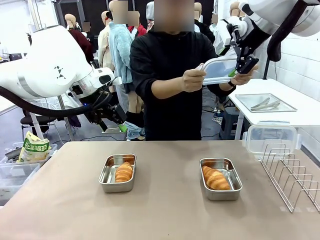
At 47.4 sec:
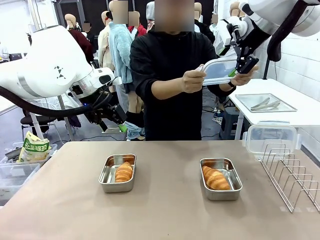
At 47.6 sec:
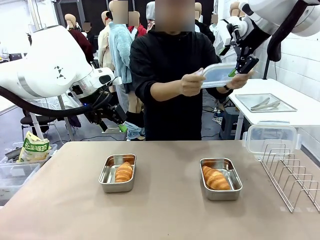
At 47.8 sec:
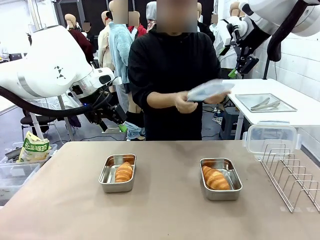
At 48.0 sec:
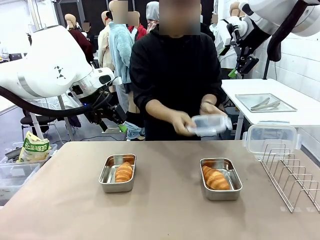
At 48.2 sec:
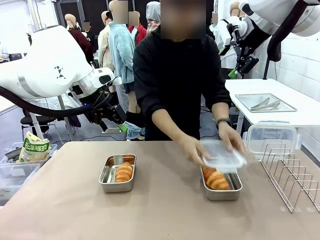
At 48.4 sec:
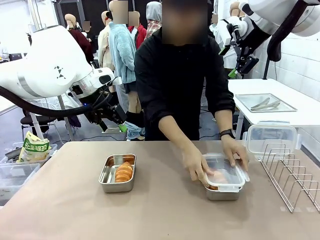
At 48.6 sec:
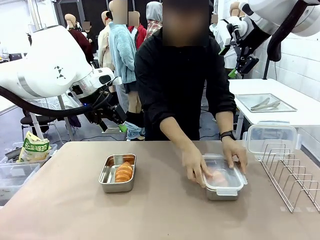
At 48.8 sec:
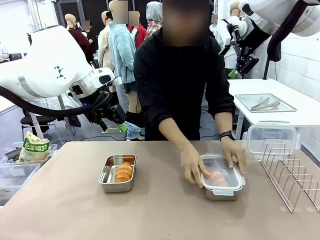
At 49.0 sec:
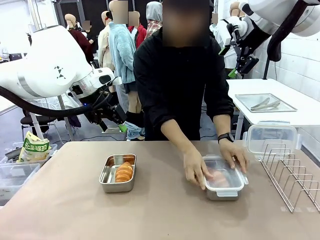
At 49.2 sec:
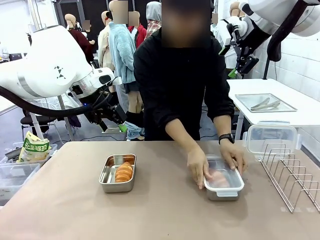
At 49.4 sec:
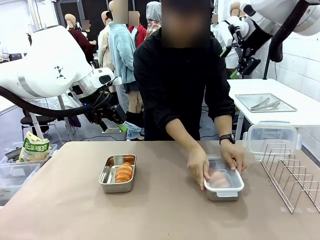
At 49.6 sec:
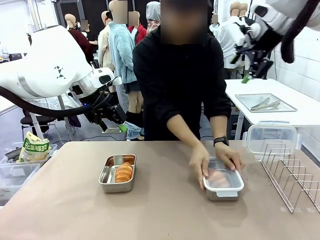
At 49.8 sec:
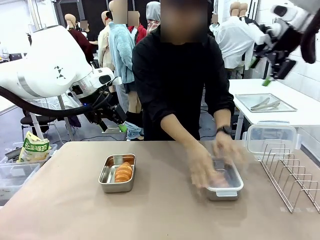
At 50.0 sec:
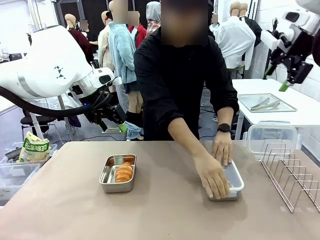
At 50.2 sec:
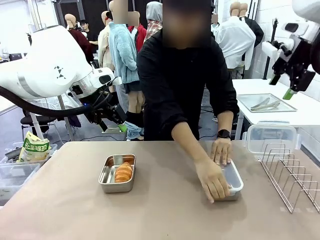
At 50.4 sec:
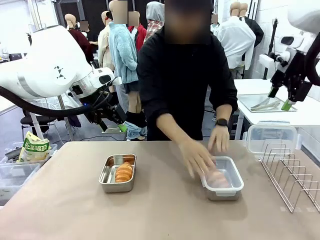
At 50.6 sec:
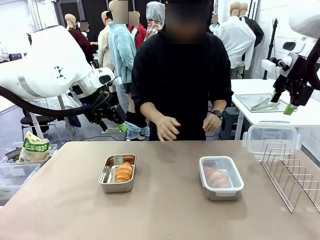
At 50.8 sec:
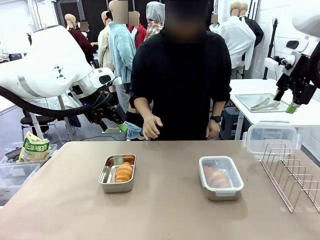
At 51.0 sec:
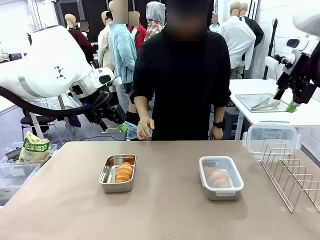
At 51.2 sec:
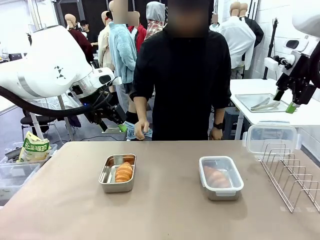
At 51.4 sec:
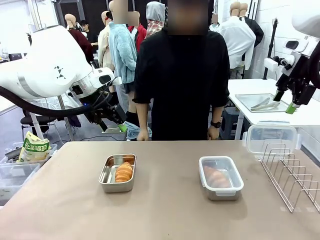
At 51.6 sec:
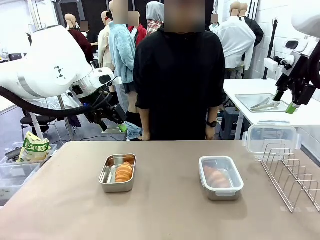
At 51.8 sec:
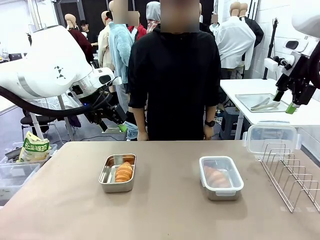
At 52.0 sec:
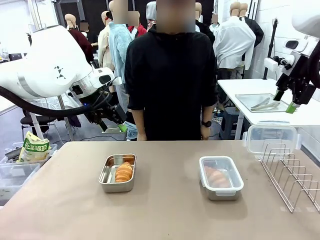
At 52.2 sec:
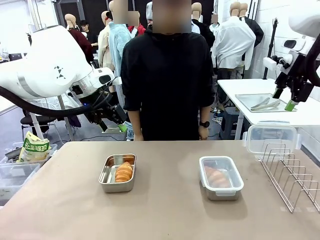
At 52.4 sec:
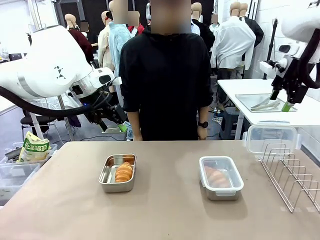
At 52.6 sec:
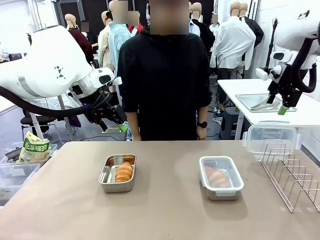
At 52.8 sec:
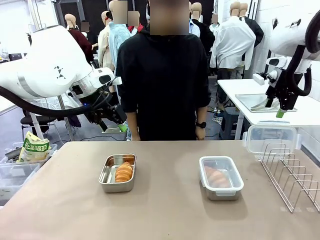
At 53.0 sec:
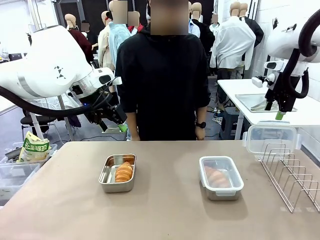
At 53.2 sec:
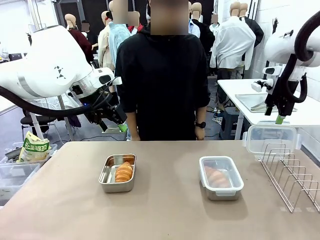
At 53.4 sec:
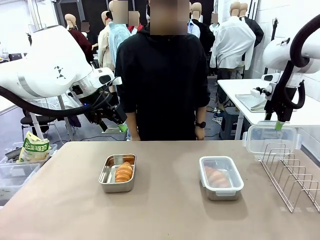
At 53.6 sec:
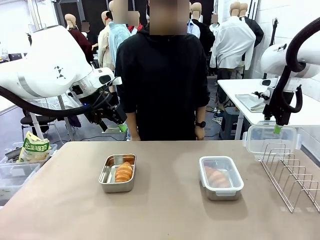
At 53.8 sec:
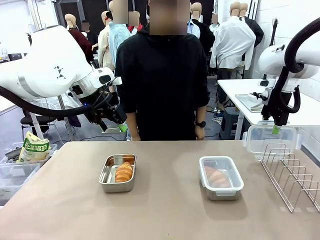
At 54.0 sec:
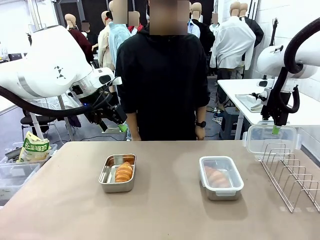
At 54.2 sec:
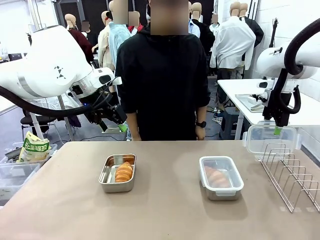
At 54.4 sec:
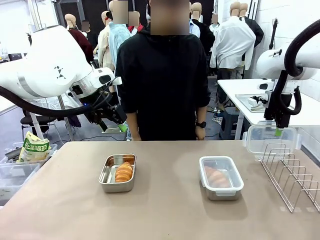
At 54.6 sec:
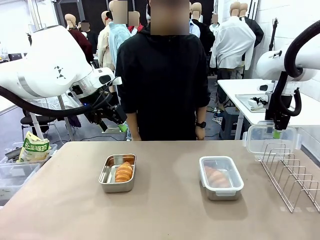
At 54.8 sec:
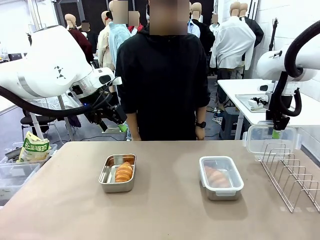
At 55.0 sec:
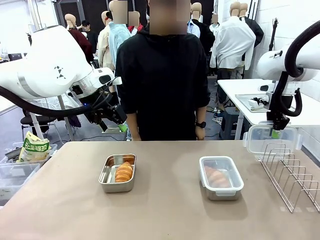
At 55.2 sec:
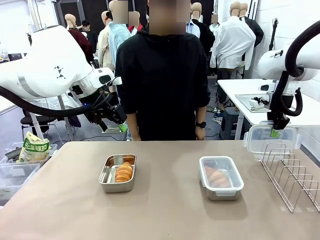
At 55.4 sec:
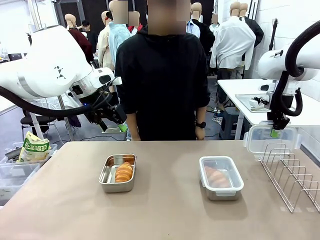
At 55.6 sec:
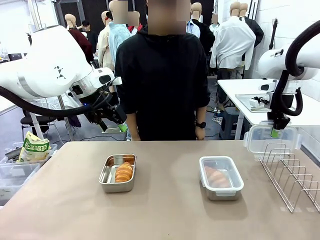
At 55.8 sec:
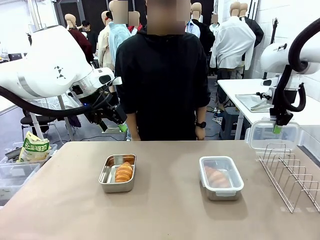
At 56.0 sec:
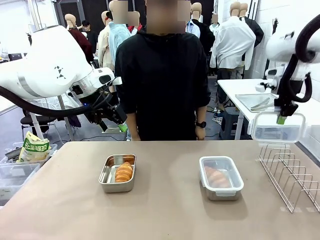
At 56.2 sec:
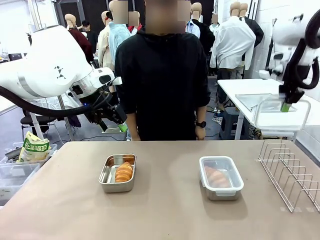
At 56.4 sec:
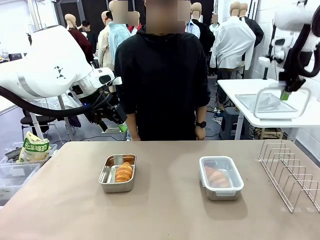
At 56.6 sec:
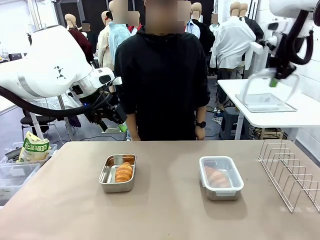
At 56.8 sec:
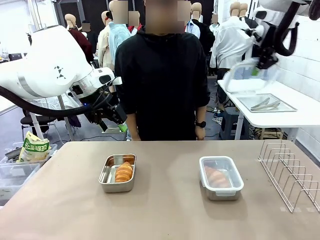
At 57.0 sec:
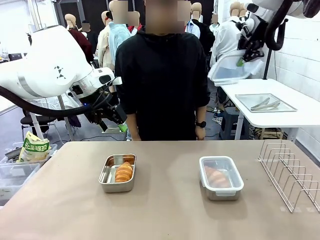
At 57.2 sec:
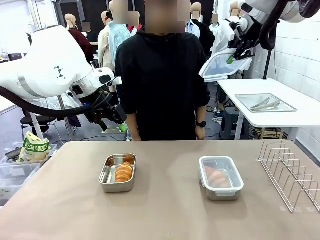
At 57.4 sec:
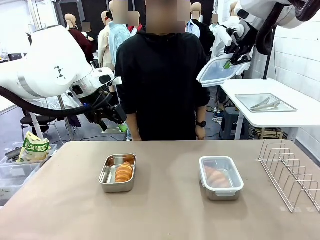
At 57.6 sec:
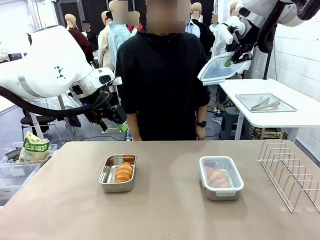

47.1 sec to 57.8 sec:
Task: Place the bread in airtight containers.
Robot: Pick up one Airtight Container lid and hand it to the human.
Person: Close Airtight Container with a handed Airtight Container lid. Grip Airtight Container lid that robot is handing.

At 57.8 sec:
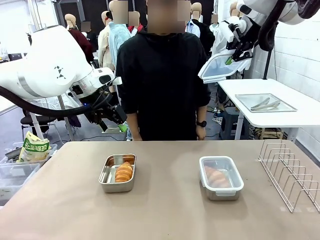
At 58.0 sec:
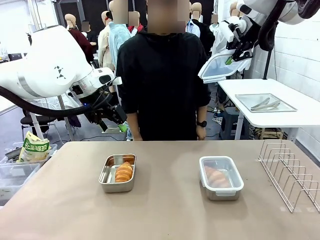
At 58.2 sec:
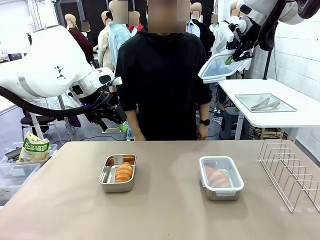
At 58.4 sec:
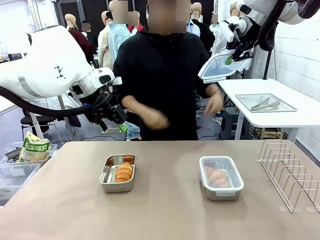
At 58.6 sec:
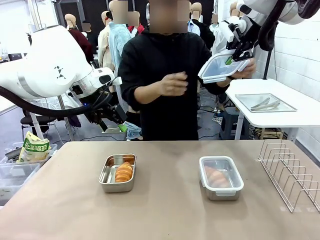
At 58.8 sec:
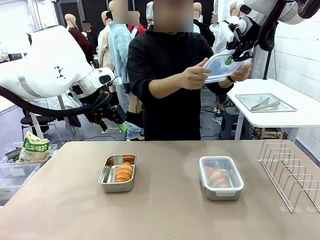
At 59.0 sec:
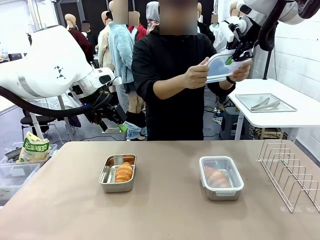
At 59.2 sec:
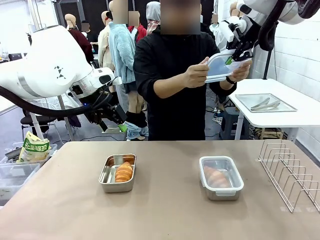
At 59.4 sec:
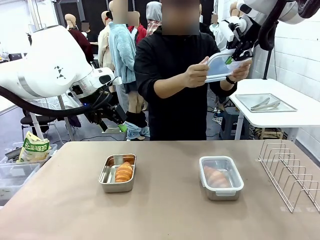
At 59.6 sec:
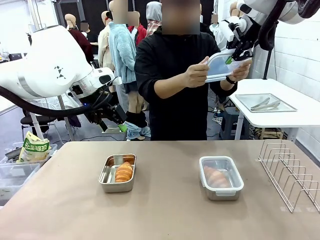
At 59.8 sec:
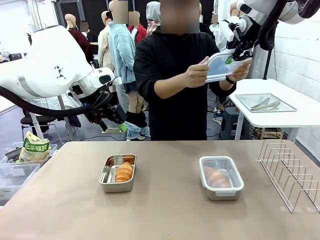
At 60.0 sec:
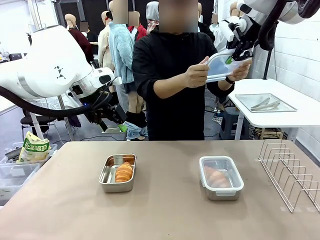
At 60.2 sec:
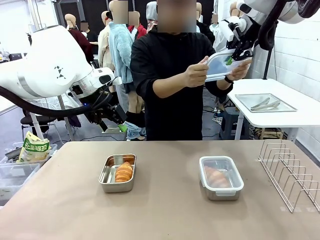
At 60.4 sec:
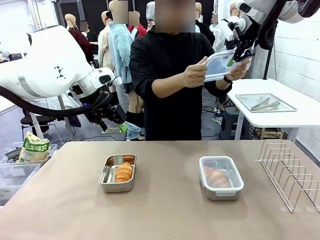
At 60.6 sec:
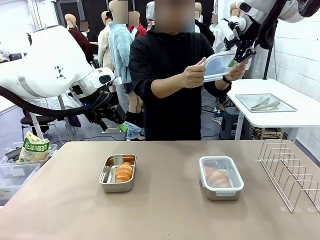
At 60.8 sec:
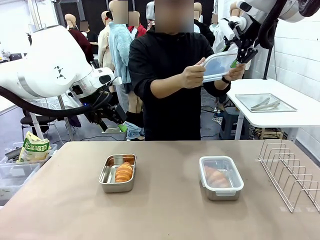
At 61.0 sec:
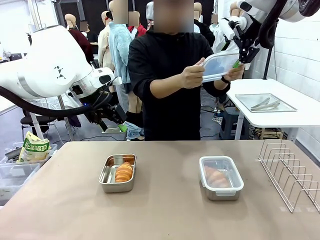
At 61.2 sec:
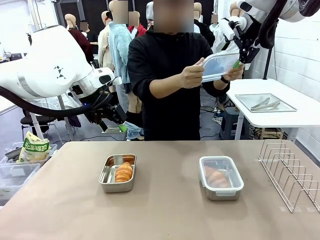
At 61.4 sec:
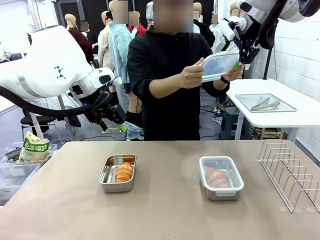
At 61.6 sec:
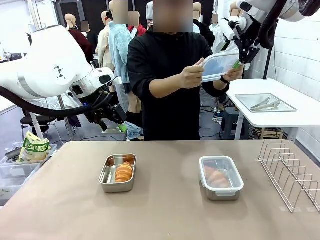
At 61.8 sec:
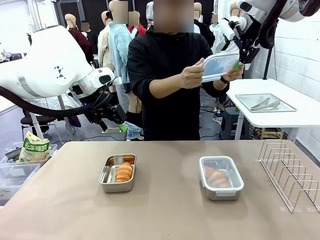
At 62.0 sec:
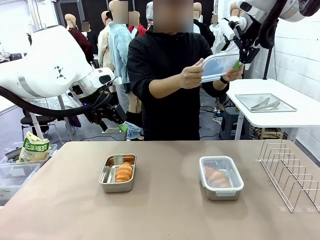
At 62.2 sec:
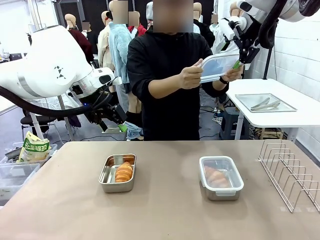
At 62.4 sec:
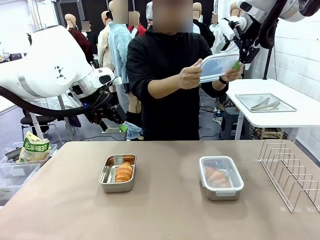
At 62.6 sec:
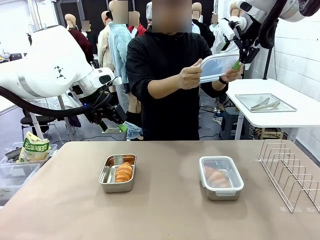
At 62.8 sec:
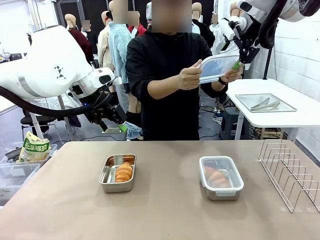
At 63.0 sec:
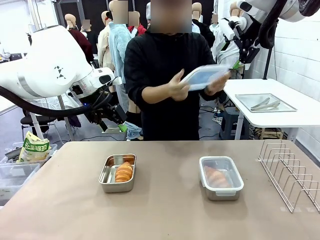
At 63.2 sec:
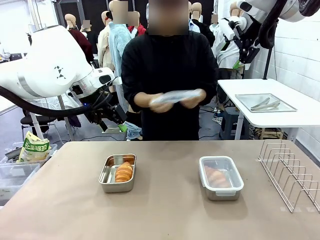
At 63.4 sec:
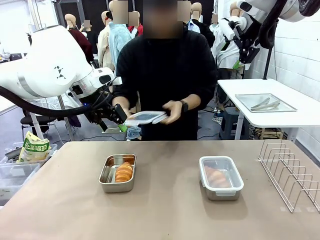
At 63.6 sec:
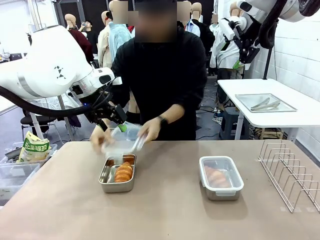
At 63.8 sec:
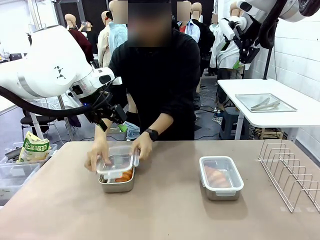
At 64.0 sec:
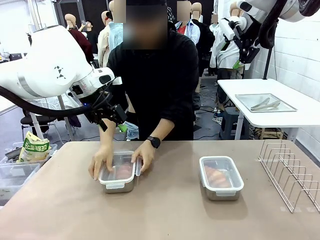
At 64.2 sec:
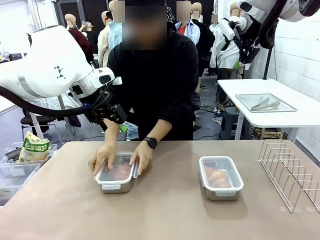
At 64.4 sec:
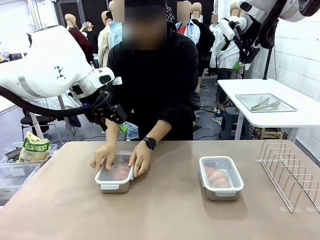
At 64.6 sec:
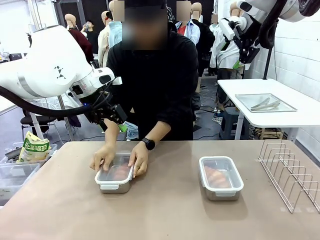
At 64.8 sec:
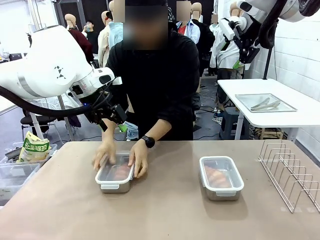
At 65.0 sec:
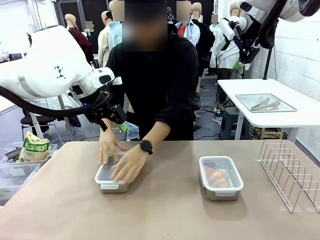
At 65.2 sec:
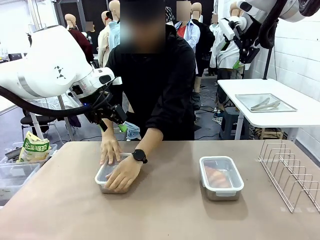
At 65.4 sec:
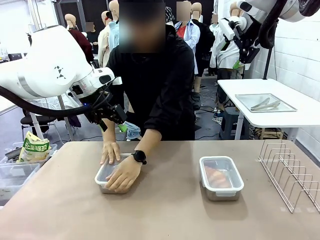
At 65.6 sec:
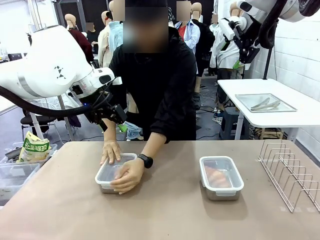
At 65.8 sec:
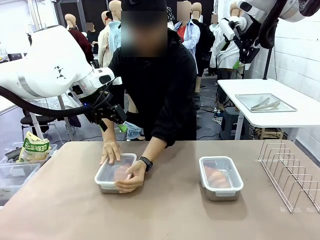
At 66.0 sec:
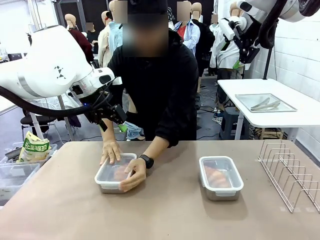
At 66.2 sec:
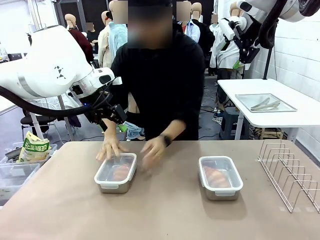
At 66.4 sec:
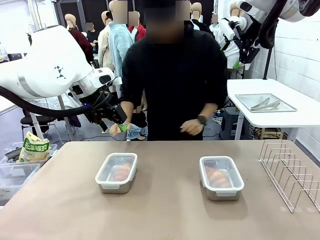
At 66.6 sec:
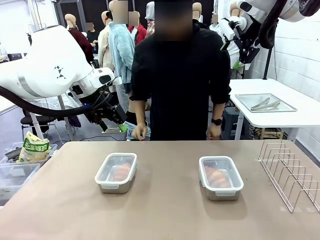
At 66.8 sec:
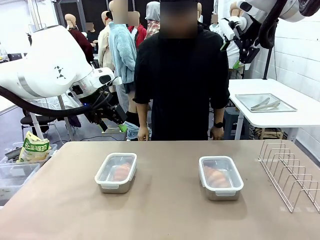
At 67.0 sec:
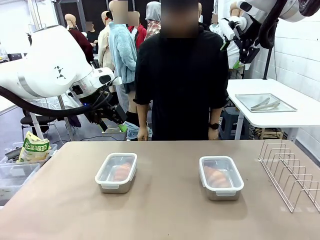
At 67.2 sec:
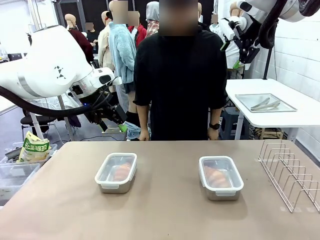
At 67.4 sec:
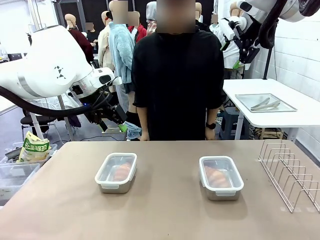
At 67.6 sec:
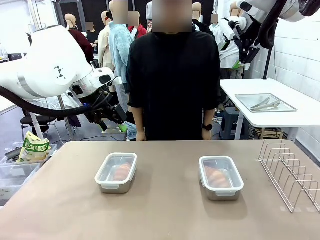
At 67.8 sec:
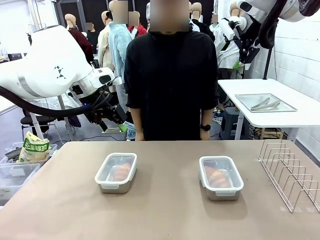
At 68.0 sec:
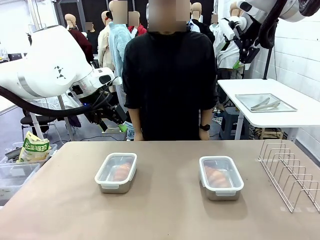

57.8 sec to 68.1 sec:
Robot: Release when the human grabs the Airtight Container lid.
Person: Close Airtight Container with a handed Airtight Container lid.
